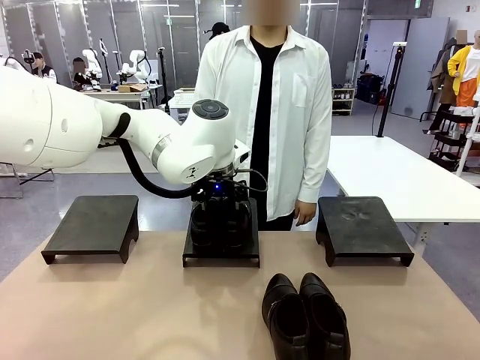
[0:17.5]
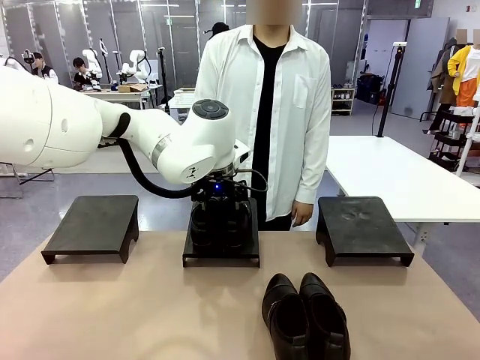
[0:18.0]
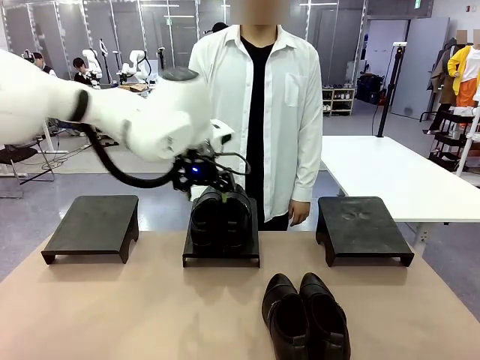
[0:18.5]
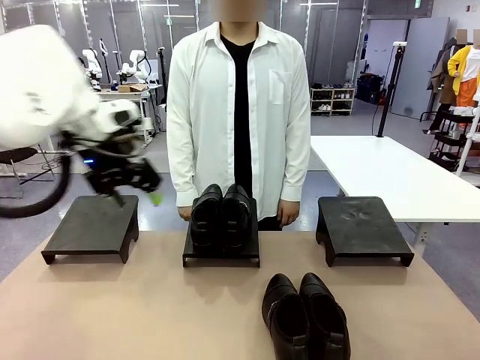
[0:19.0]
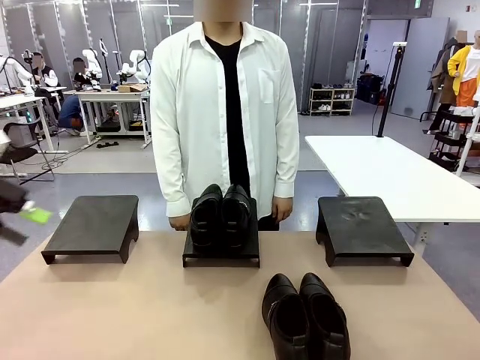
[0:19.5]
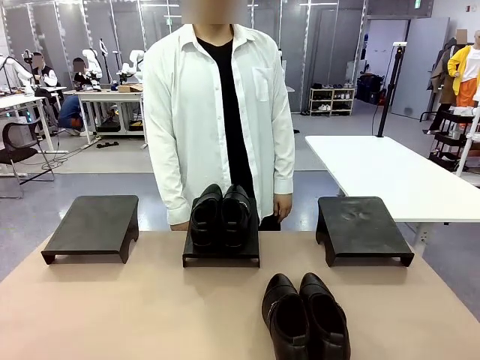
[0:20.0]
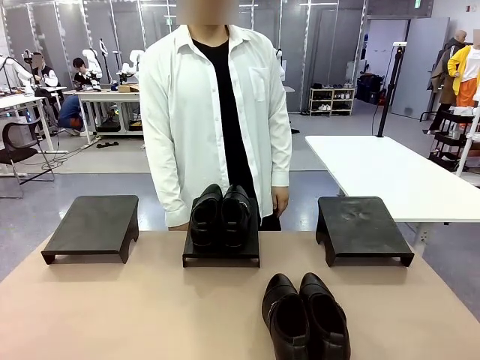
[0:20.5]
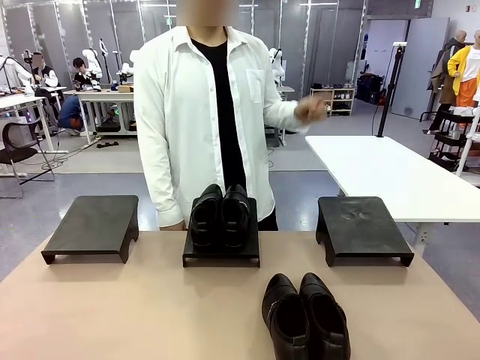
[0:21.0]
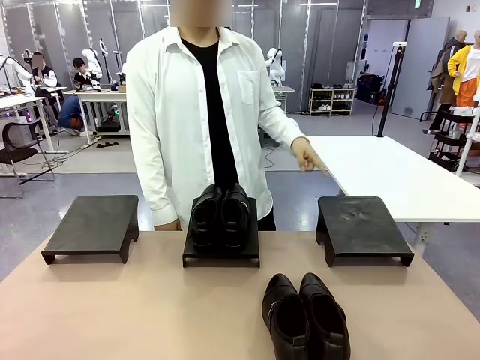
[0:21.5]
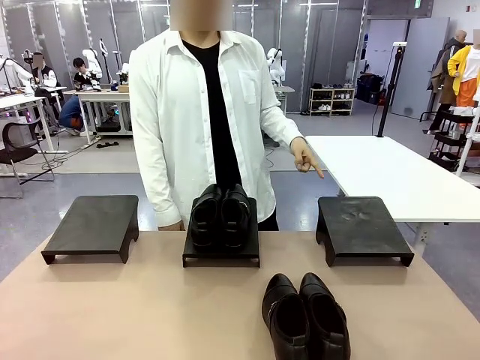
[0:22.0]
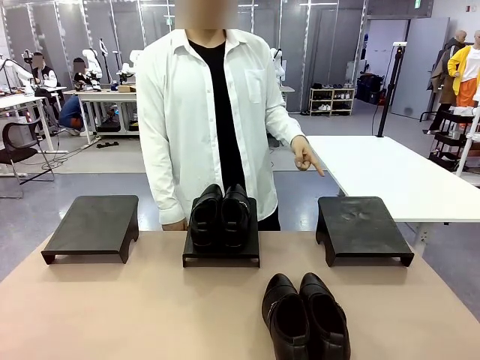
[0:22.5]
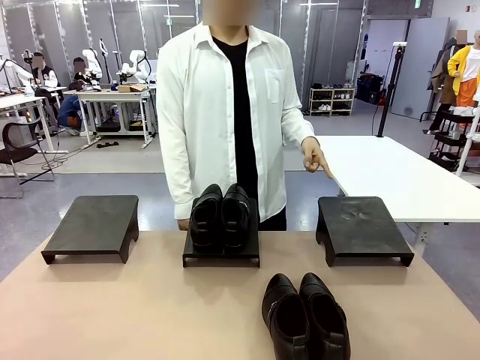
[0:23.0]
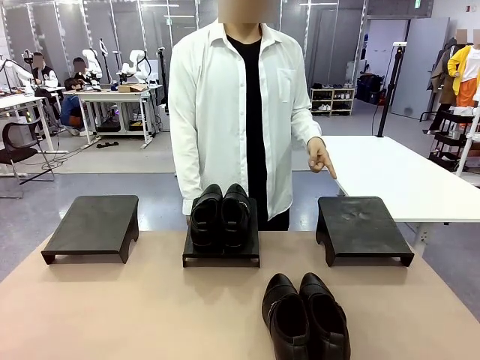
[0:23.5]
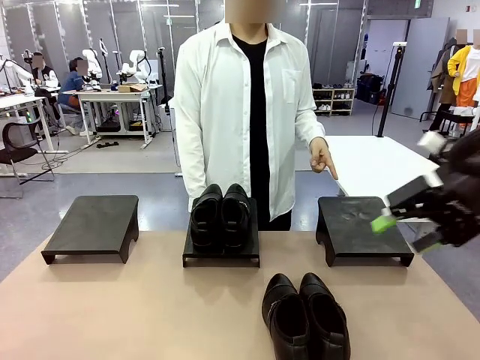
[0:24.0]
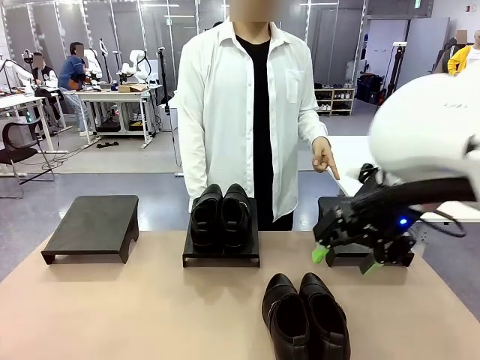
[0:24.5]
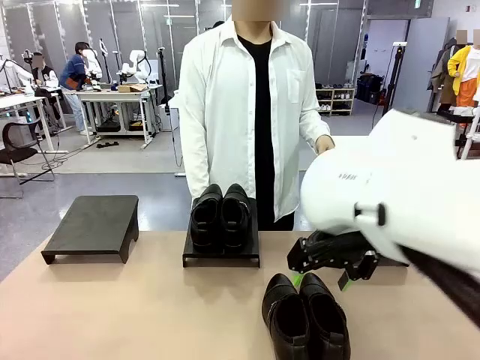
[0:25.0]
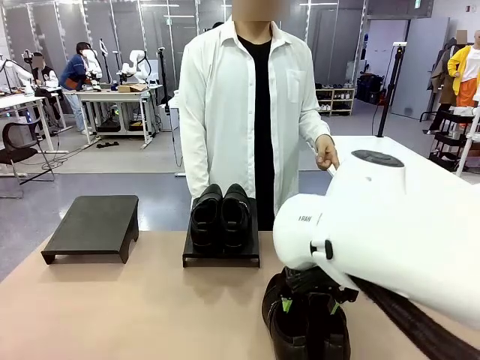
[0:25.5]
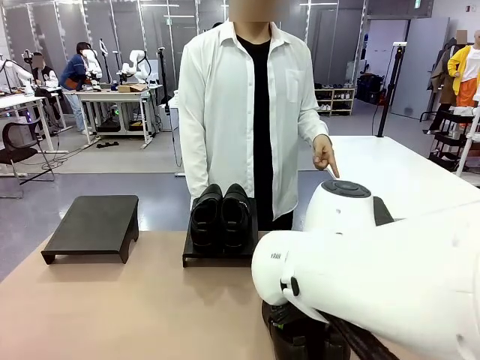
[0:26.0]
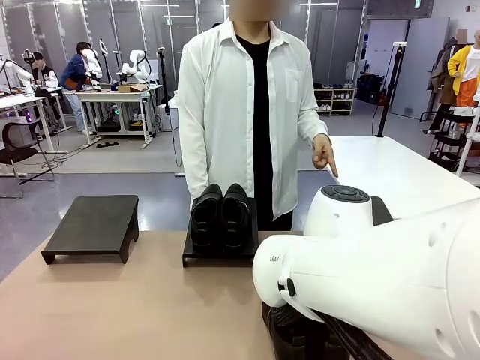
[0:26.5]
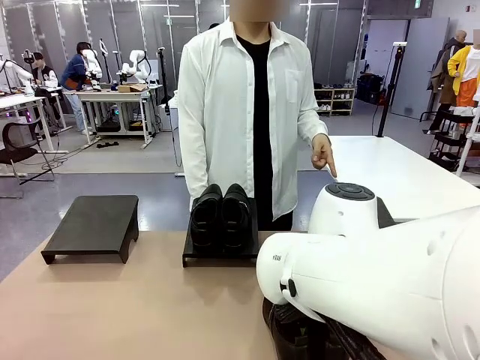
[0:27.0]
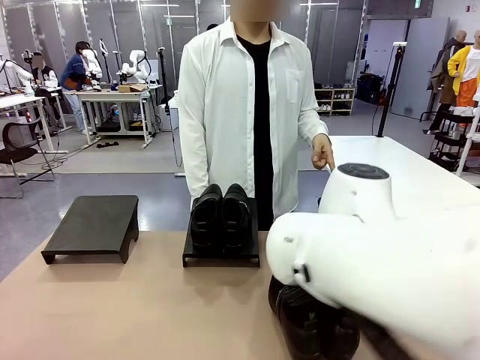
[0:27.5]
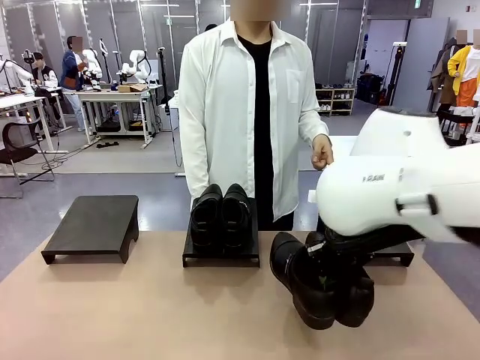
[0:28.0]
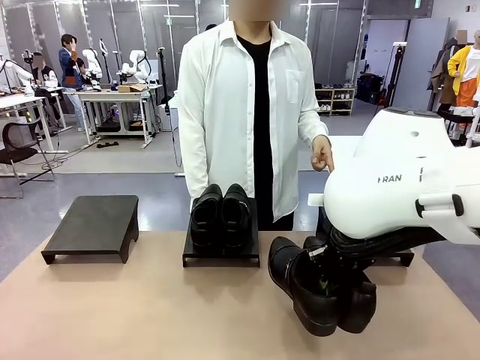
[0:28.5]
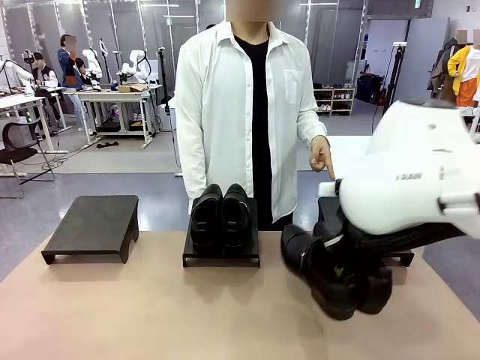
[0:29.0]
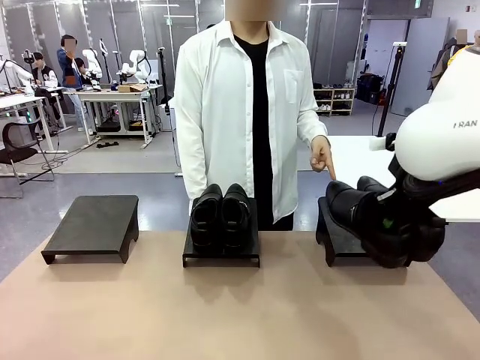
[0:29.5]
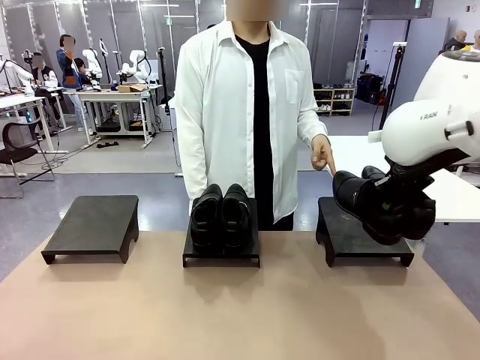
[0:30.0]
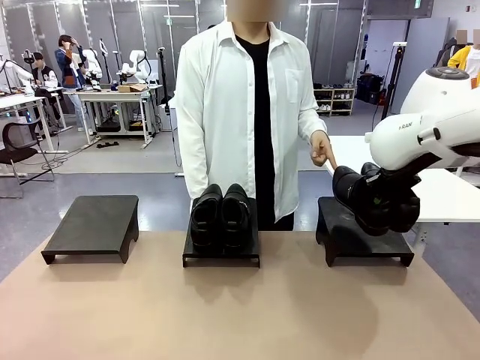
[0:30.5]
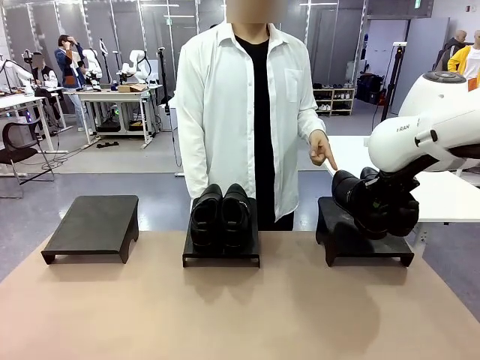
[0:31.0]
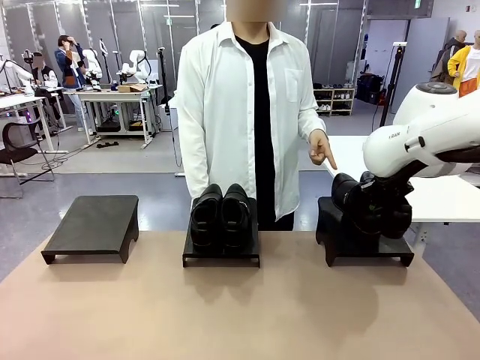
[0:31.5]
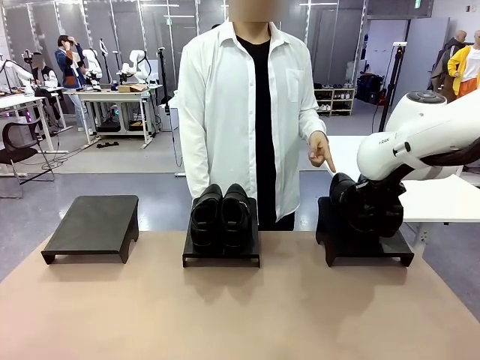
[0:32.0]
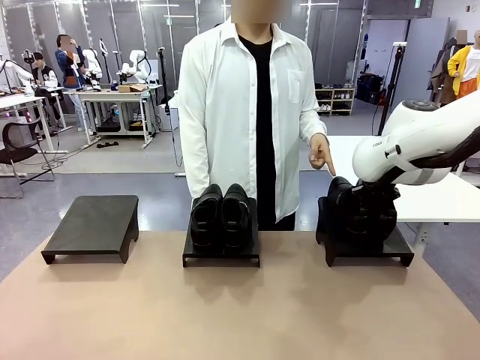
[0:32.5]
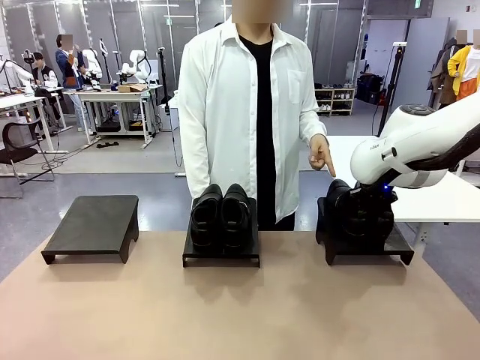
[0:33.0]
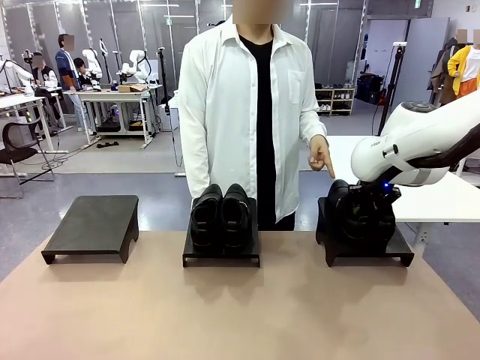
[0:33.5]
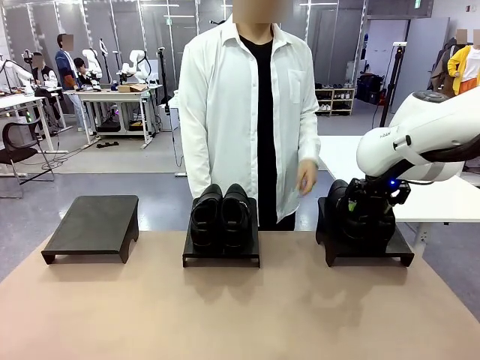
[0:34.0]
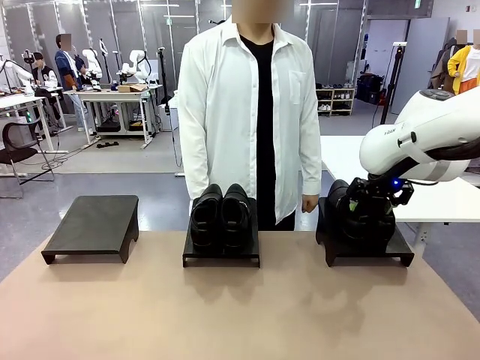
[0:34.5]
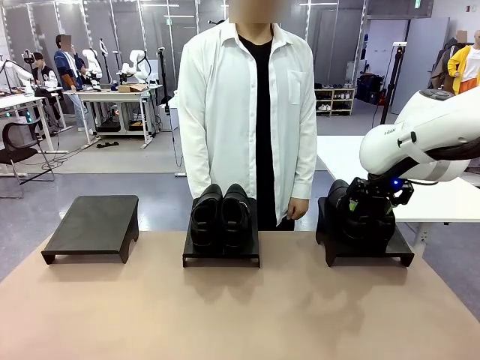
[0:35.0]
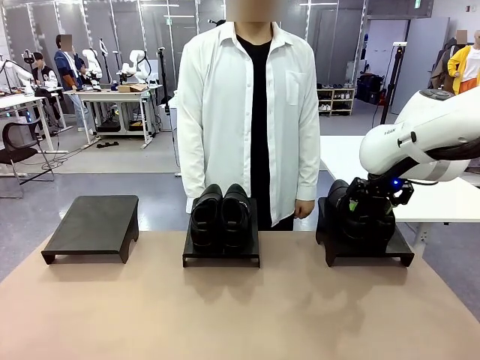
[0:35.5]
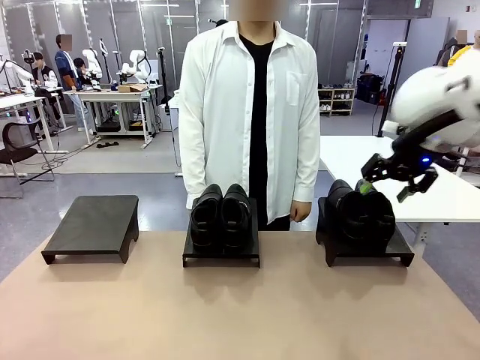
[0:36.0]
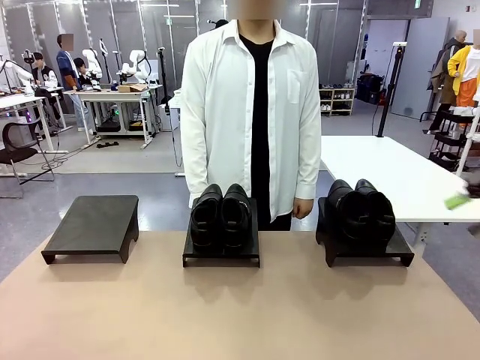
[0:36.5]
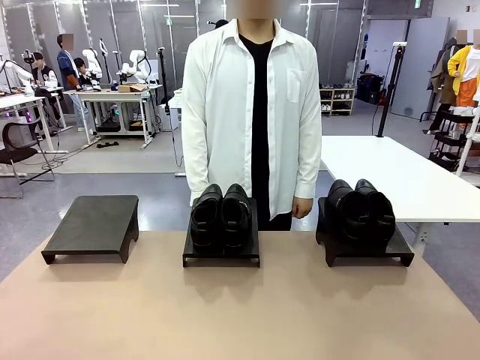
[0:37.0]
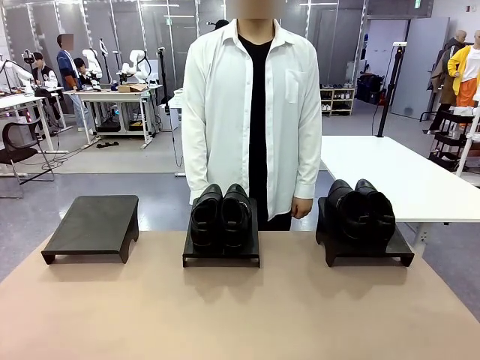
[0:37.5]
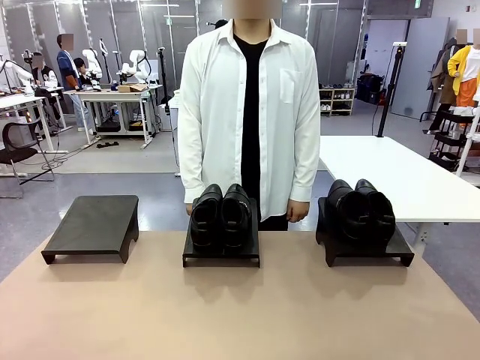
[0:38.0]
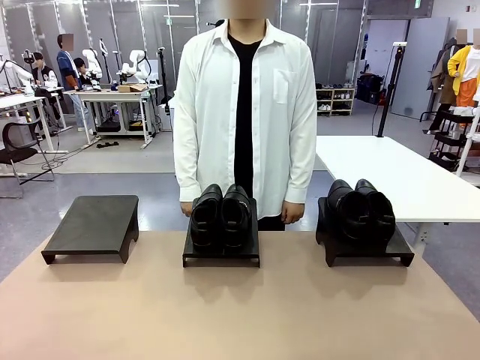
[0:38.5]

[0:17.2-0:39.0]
Task: Place the shoes on the stand as instructed by the person.
Robot: Pick up another pair of Shoes and place it on the Shoes Stand indicated by the person.
Person: Point to one Shoes Stand.
